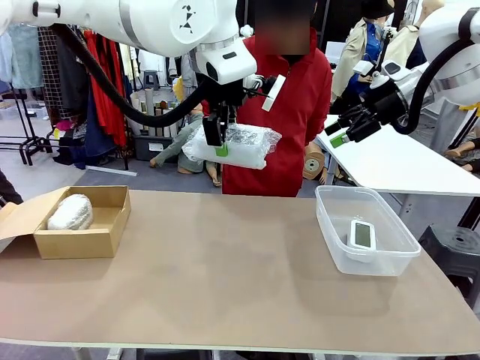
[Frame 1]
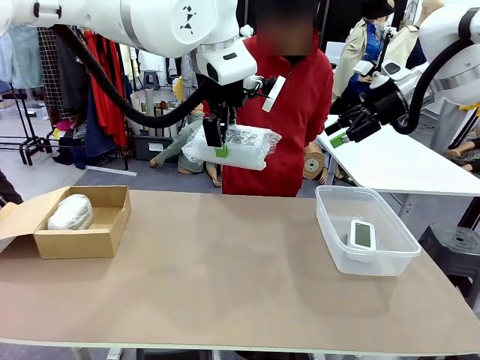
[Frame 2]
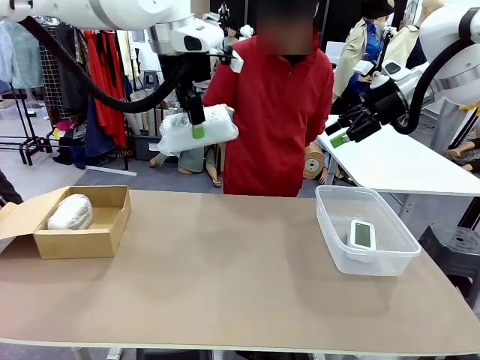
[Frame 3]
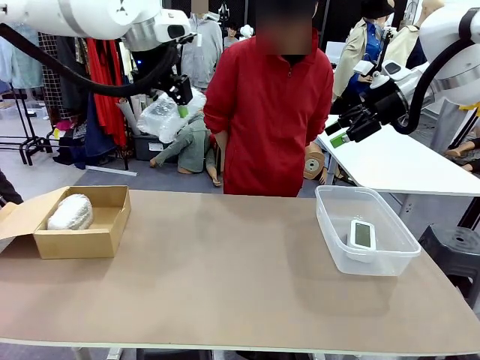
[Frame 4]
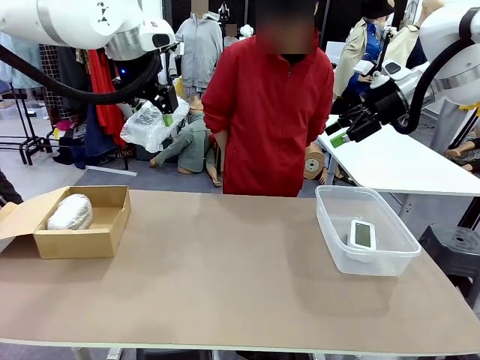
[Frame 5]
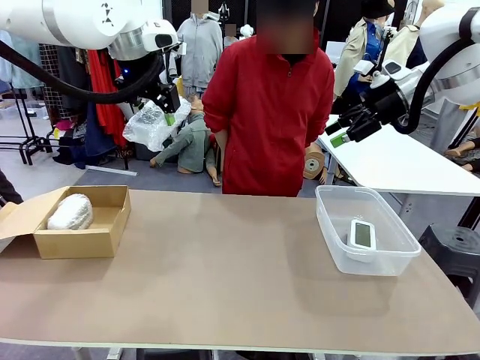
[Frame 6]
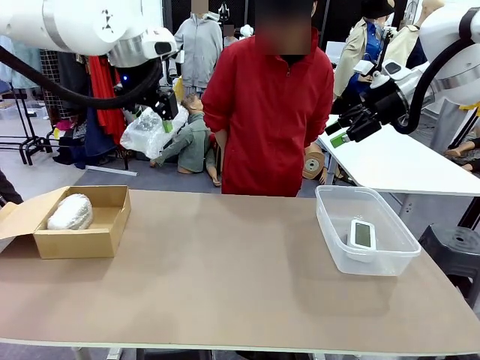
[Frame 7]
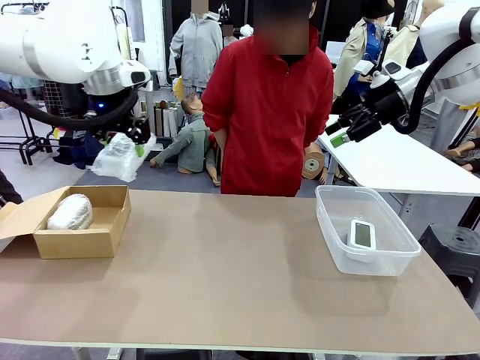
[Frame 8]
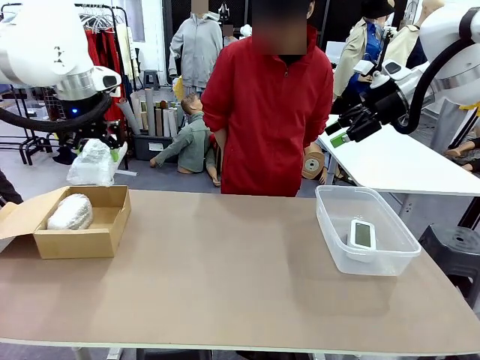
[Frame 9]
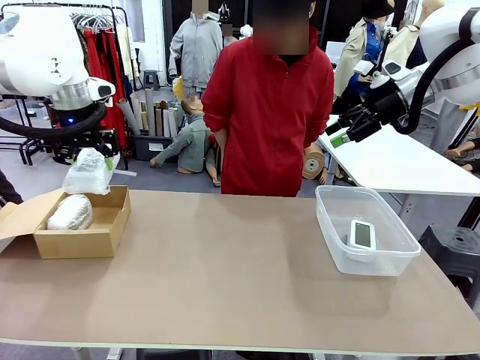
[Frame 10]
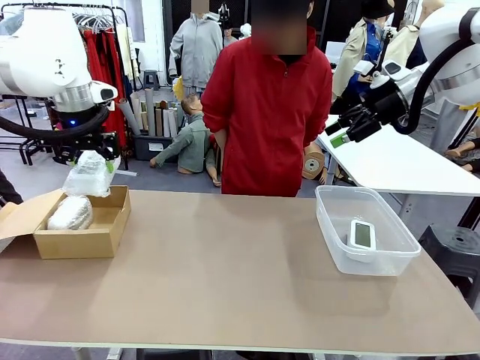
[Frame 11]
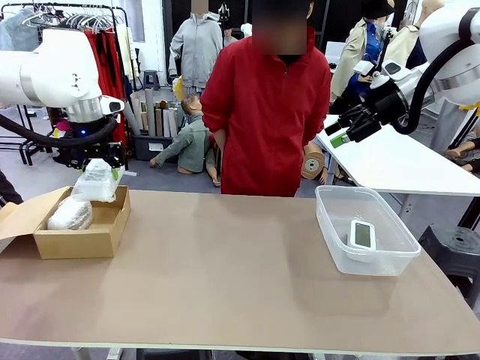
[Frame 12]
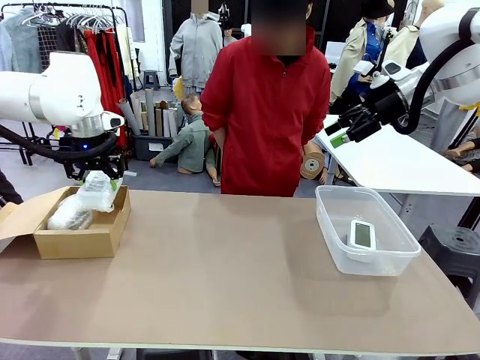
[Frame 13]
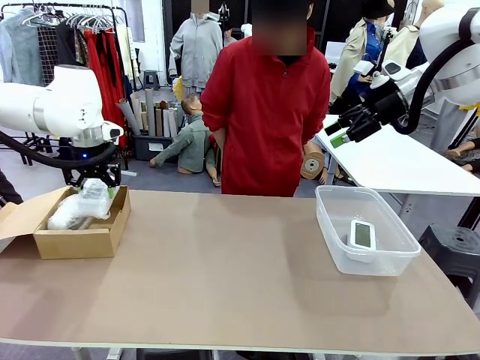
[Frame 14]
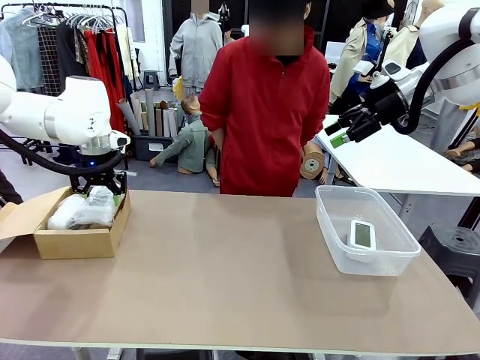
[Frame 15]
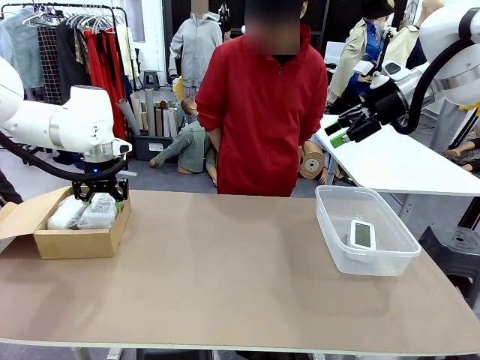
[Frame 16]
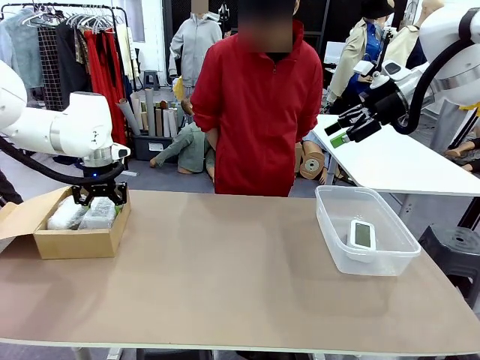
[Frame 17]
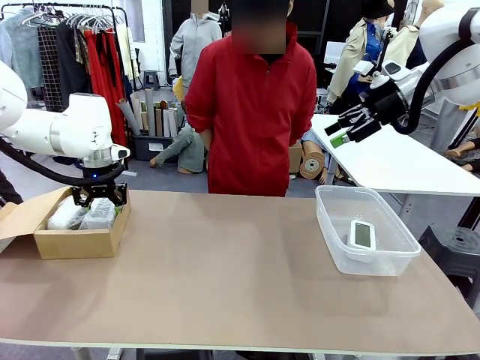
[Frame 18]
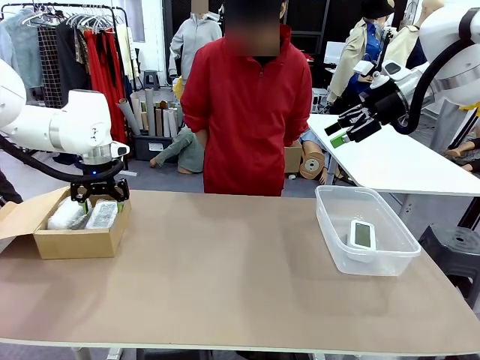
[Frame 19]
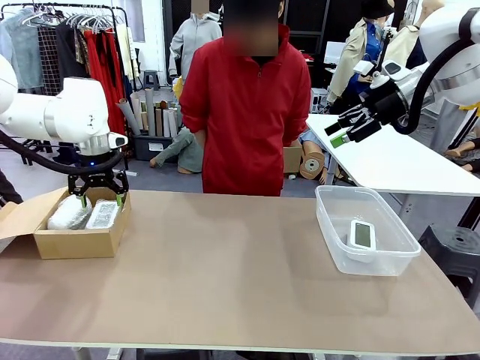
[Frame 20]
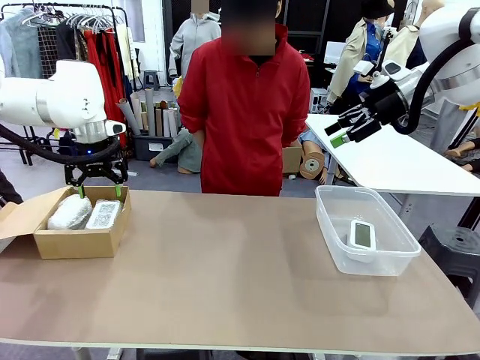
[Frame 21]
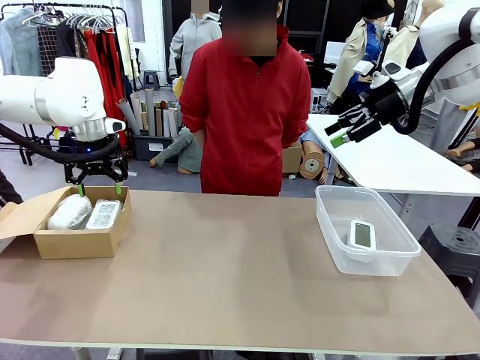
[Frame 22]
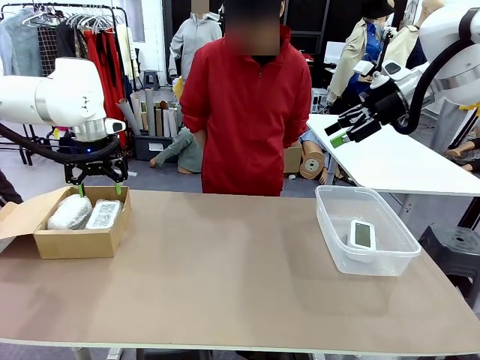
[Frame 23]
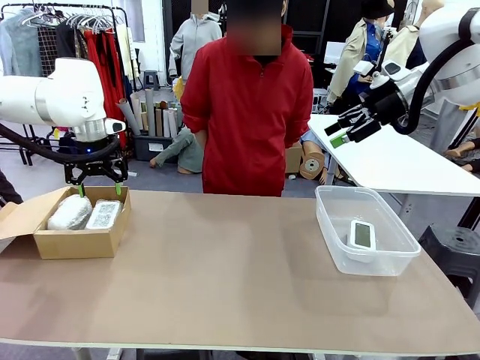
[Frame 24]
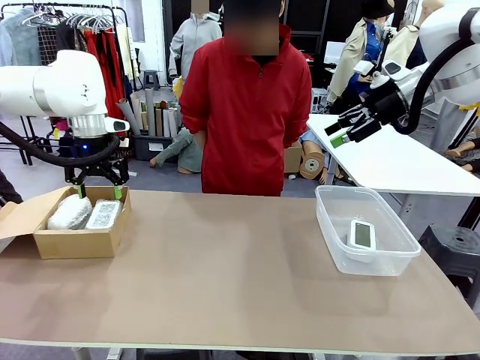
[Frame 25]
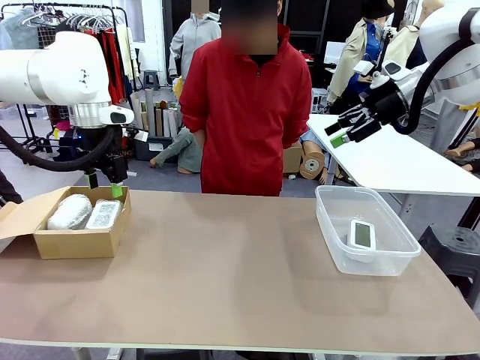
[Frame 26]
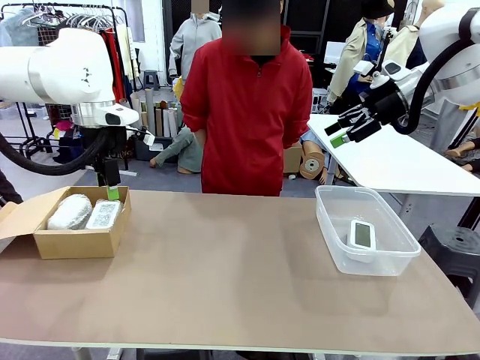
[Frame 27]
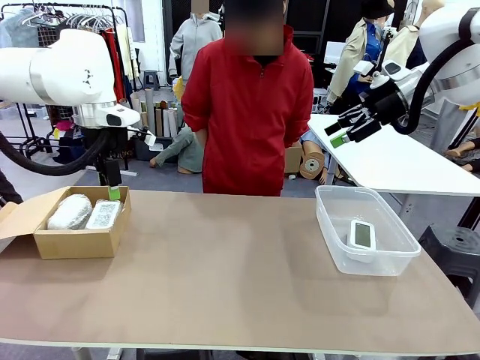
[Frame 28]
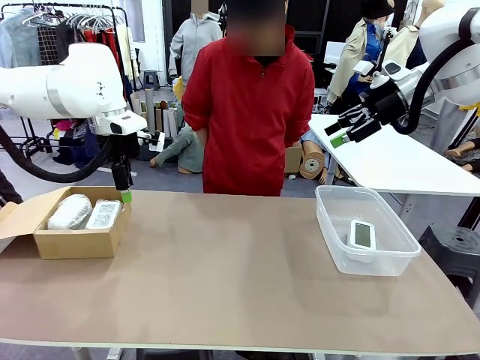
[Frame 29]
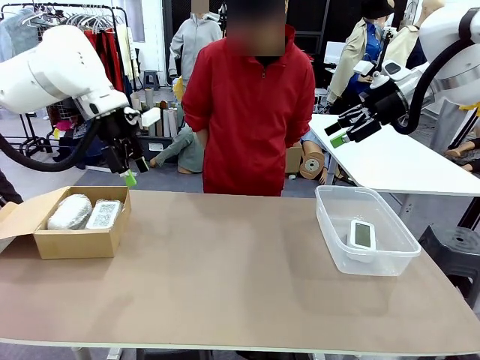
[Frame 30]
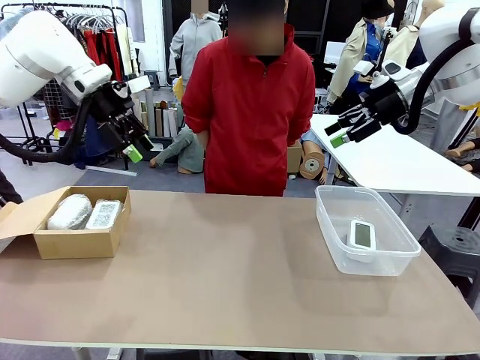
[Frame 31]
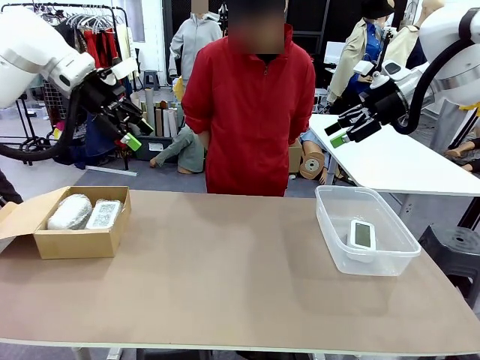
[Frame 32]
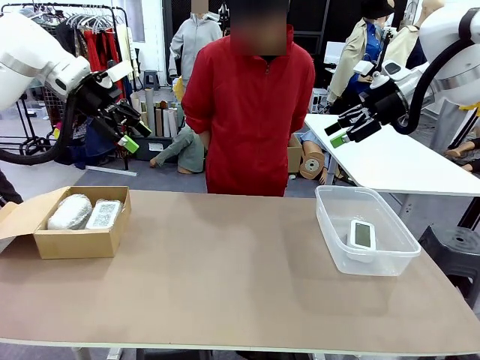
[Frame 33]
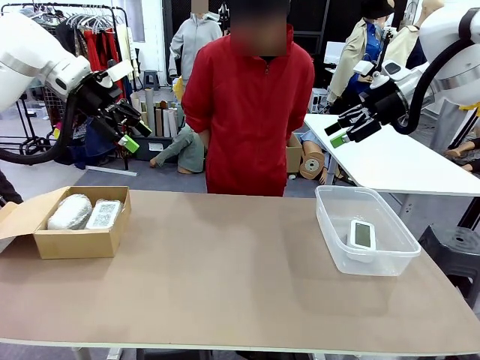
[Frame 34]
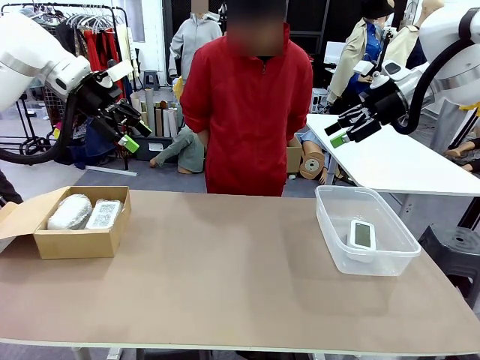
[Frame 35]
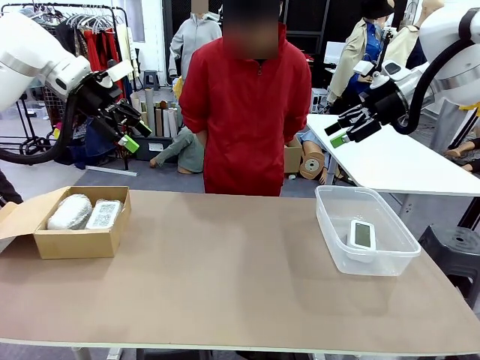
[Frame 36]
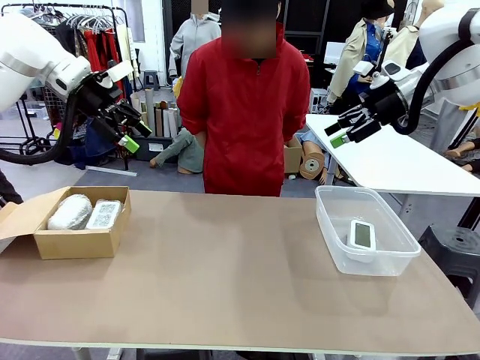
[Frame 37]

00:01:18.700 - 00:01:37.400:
Task: Separate and place wrapped and unwrapped clocks.
Robot: If the picked Digital clock is wrapped, place it in the Package Box ; if not, place it in the Organizing box.

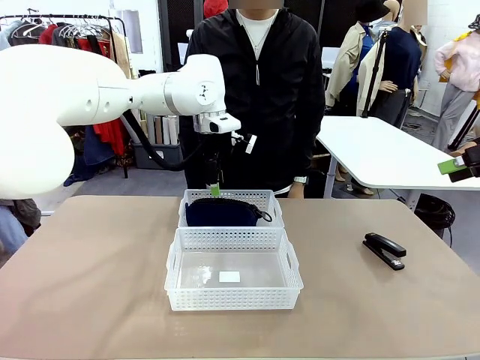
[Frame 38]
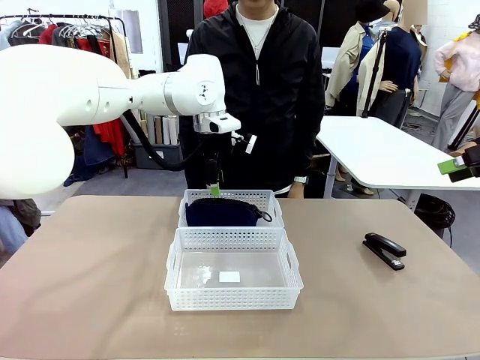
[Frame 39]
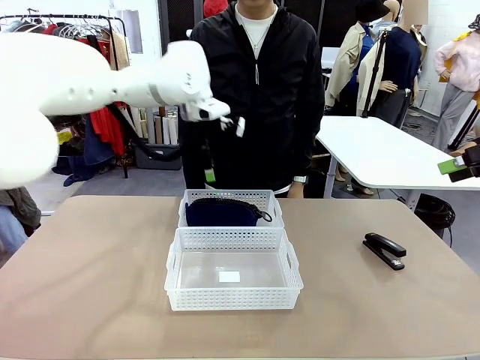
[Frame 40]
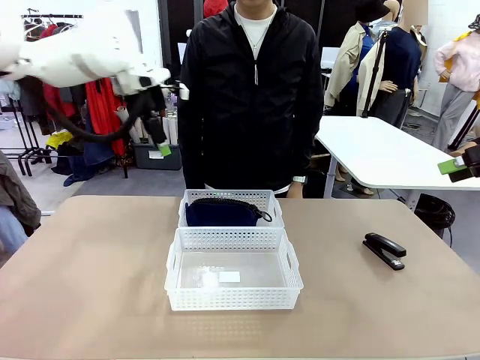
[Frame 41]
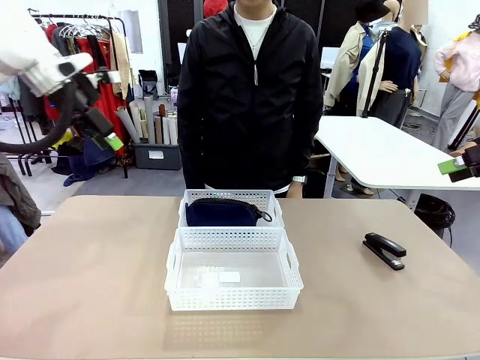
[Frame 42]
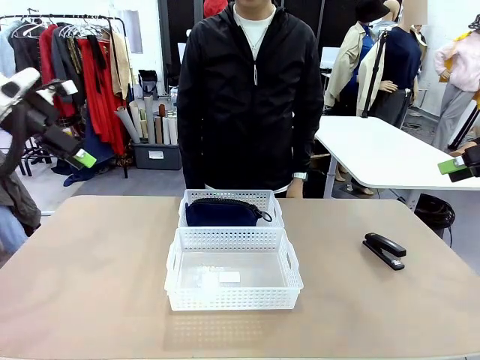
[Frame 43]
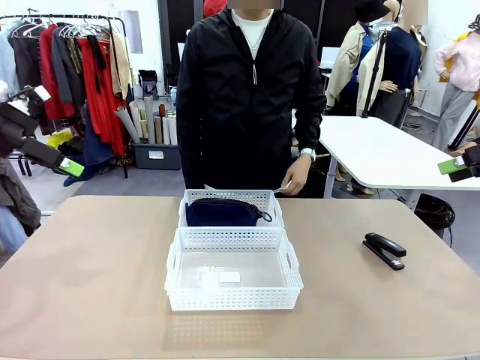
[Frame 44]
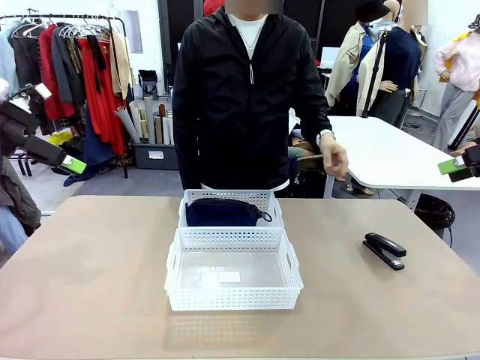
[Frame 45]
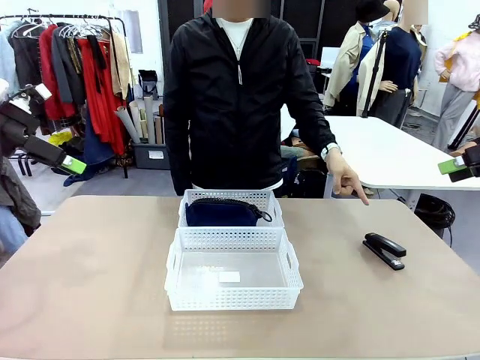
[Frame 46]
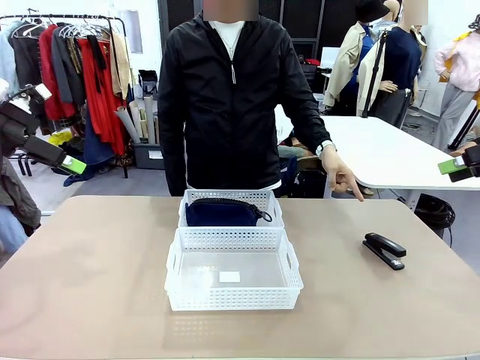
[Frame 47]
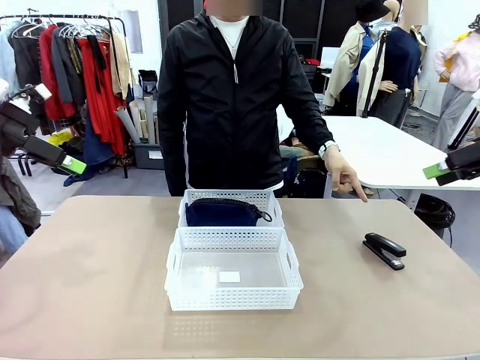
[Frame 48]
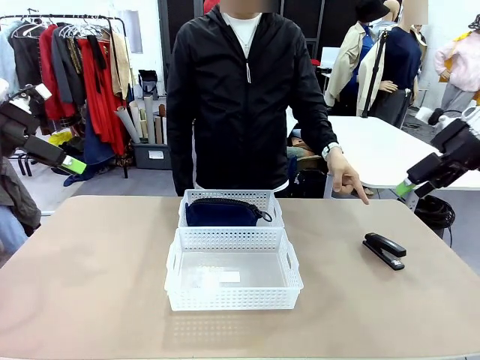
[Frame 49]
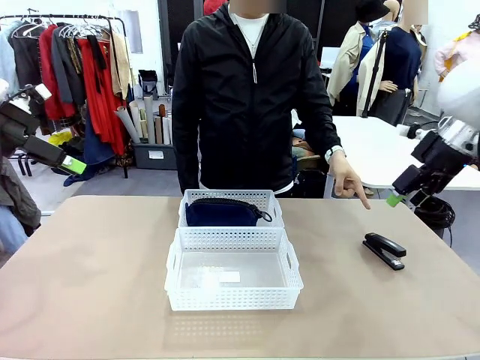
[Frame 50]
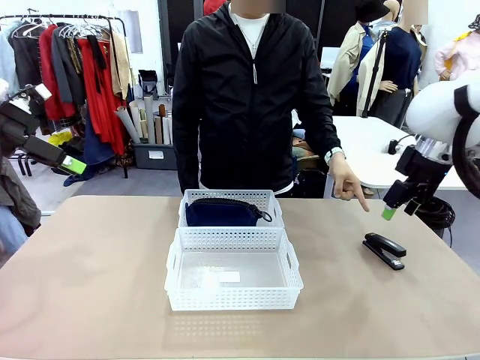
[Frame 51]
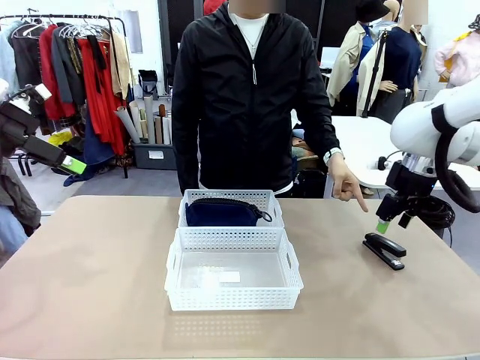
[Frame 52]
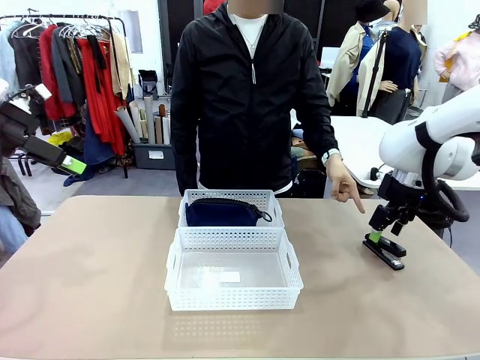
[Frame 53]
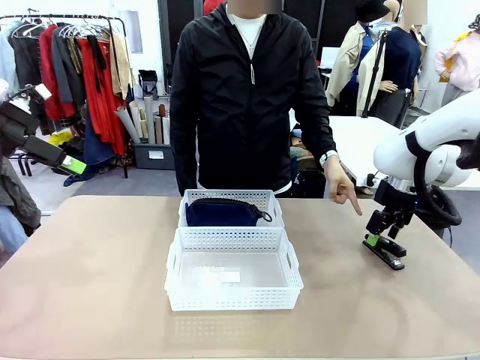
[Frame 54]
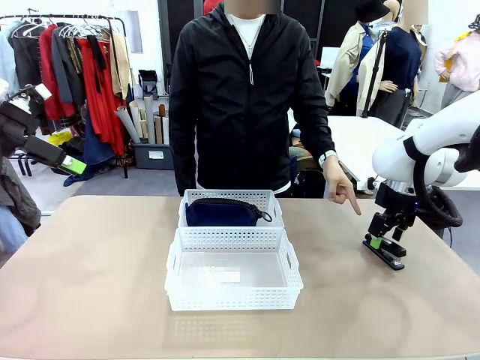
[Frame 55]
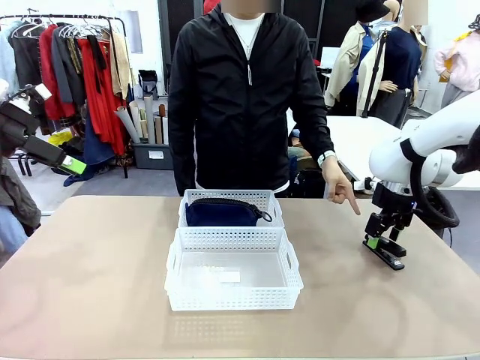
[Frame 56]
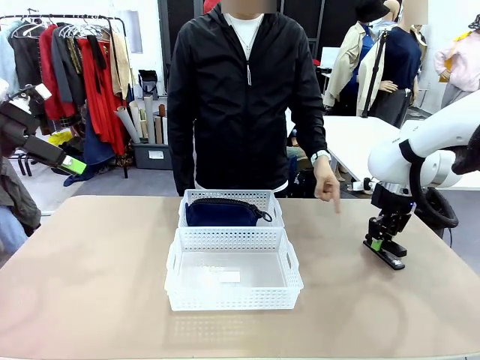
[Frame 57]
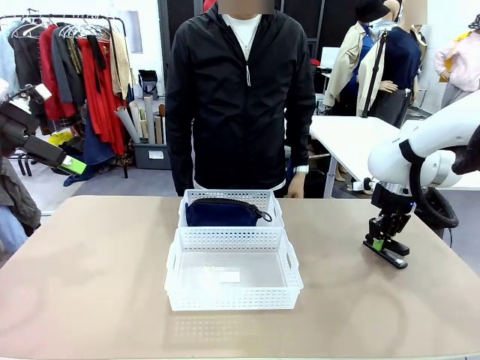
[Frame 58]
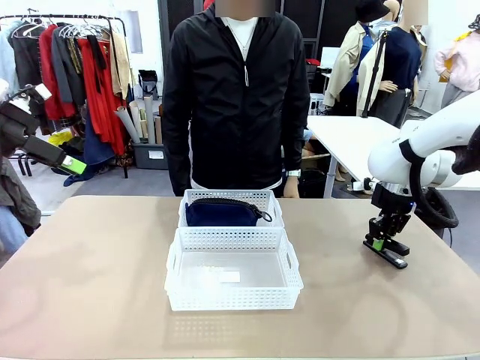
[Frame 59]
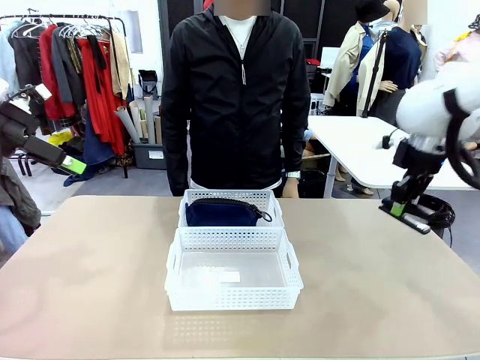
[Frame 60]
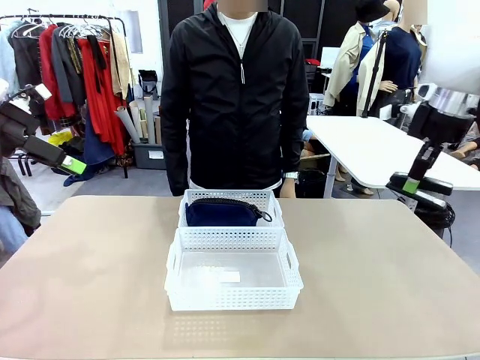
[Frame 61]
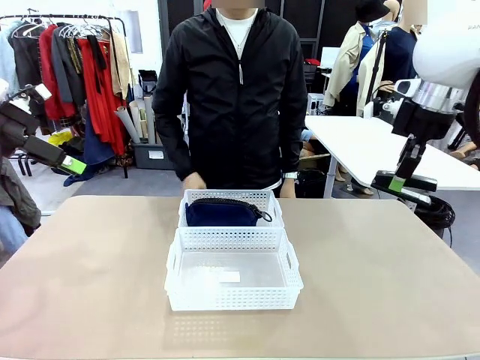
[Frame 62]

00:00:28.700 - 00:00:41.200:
Task: Distribute items into two baskets.
Robot: Pick up the Stapler that the person points to.
